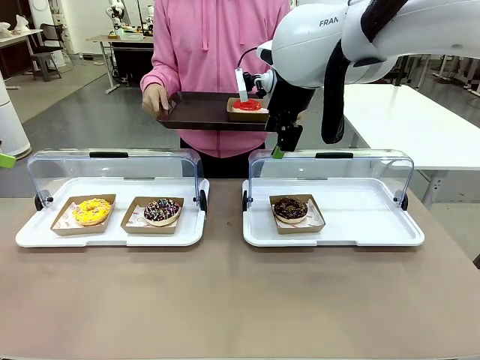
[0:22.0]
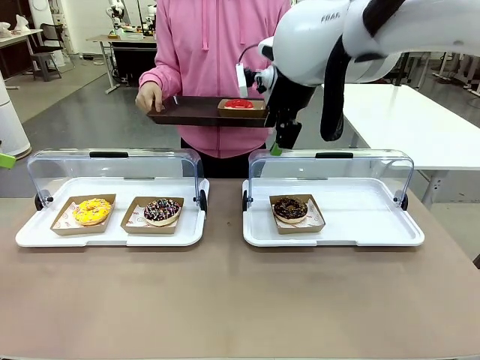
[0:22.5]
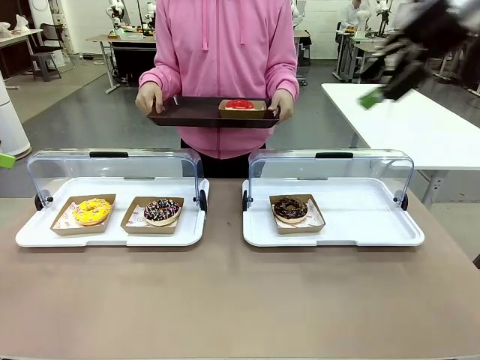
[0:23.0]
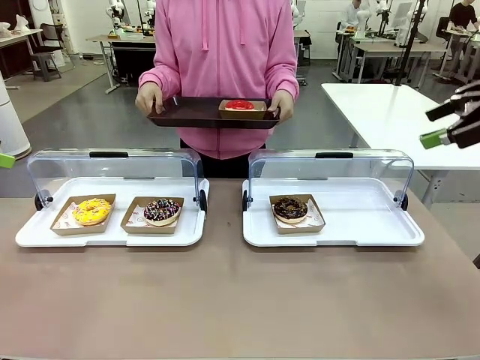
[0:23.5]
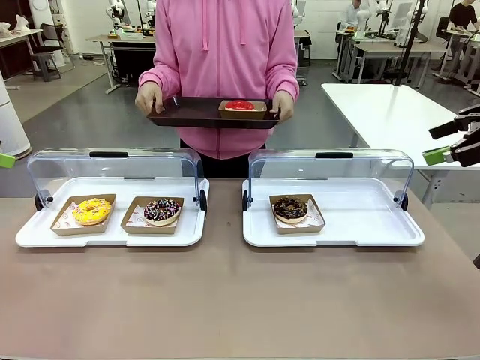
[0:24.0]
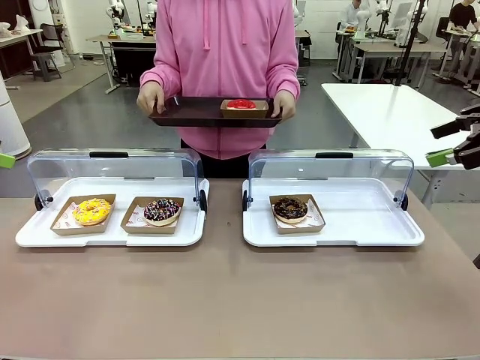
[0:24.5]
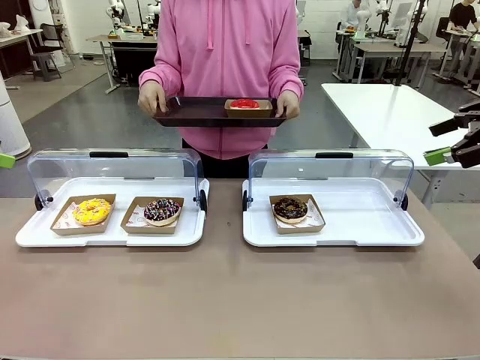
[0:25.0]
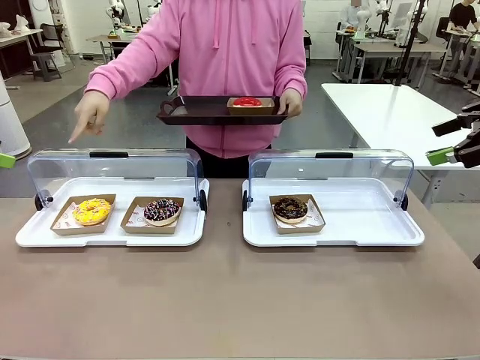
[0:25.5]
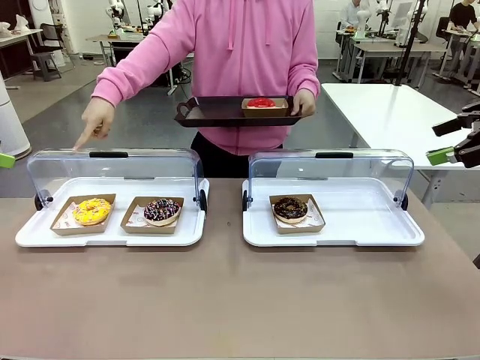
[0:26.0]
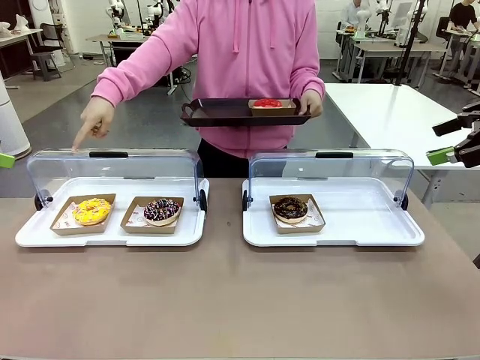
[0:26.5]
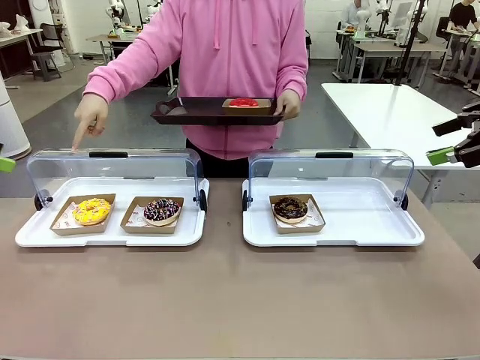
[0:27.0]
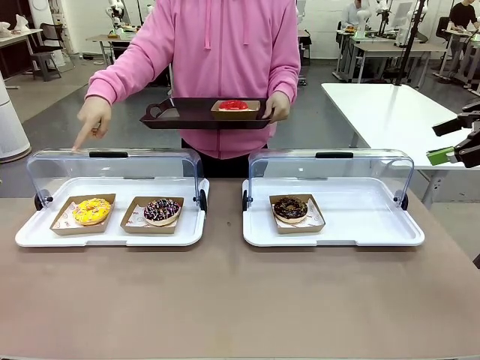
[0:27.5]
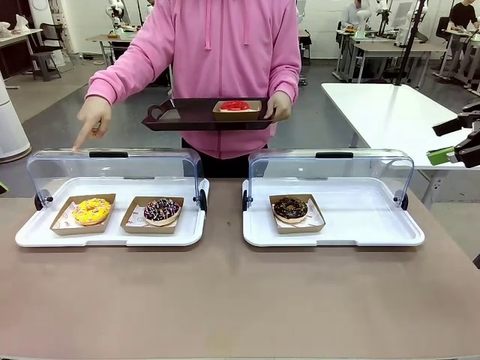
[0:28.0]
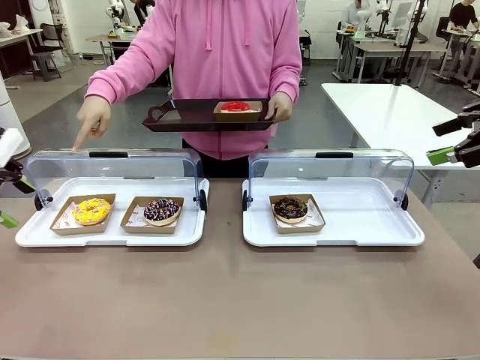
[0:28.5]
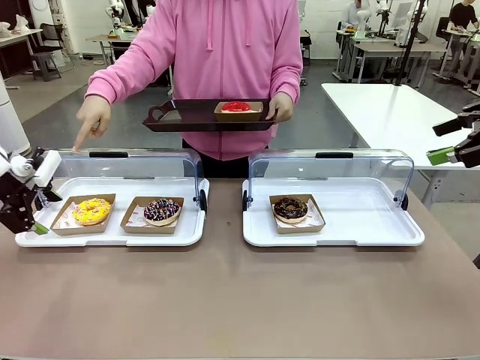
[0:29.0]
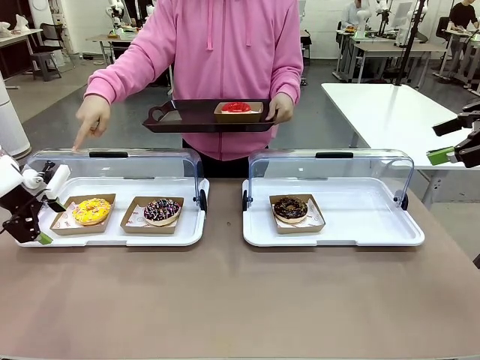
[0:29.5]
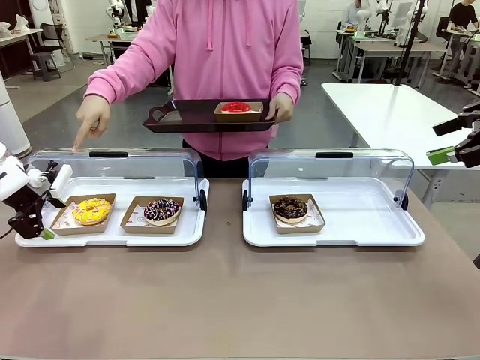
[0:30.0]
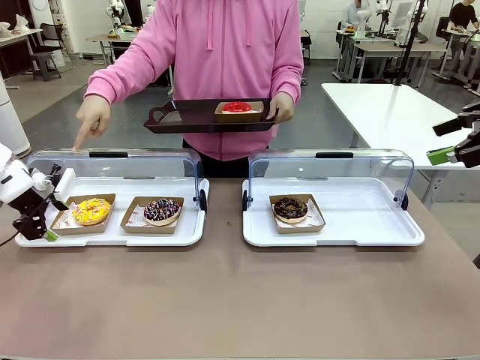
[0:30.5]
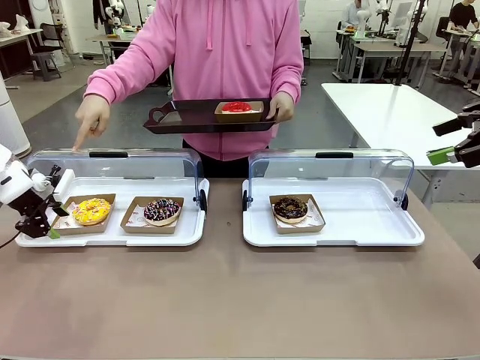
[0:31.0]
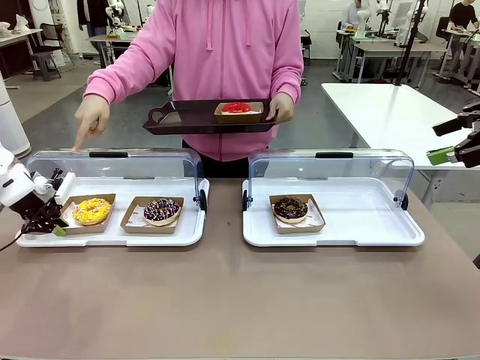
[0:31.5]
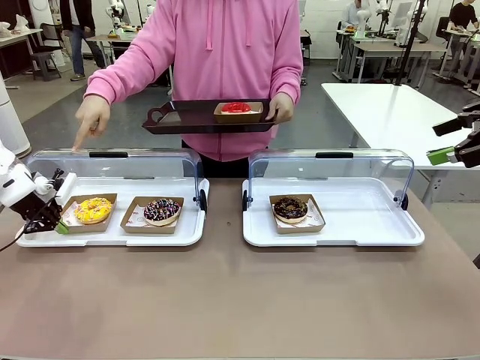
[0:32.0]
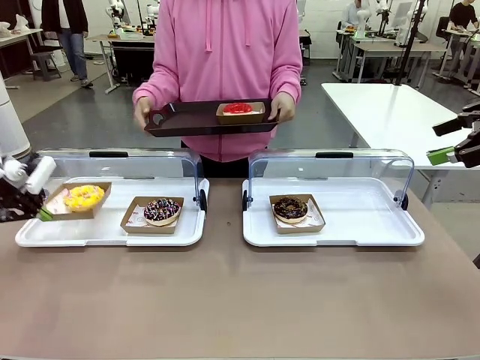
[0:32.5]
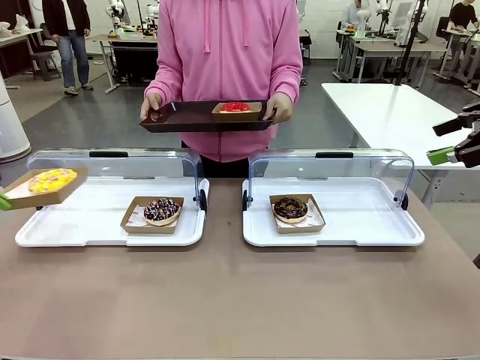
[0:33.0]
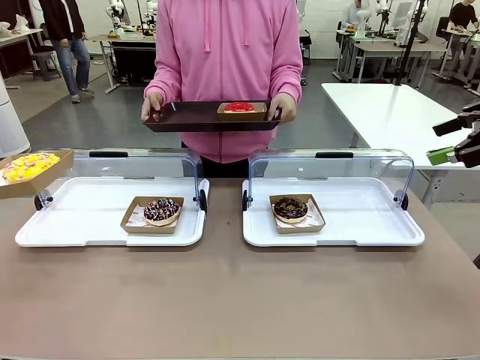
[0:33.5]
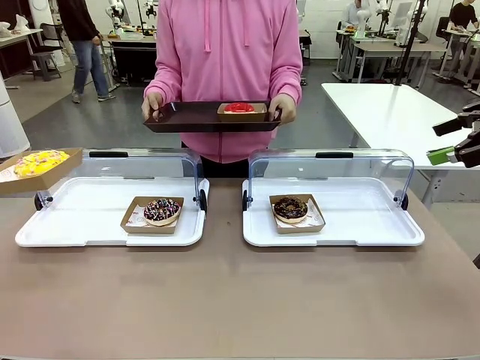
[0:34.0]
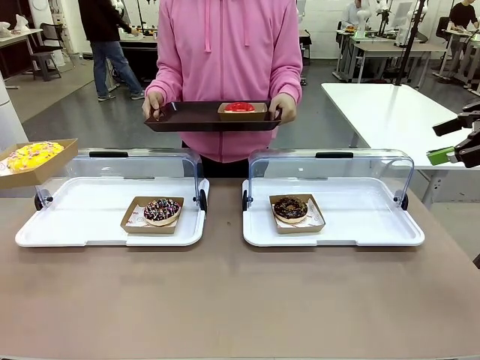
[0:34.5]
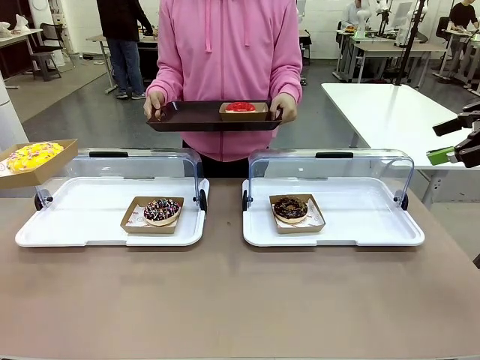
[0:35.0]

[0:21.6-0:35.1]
Task: Provide the desired donut to the person.
Robot: Pick up and lift the Paper togo box containing the Donut pointed at by the person.
Person: Lift the tray onto the Roll-Top Bakery Case.

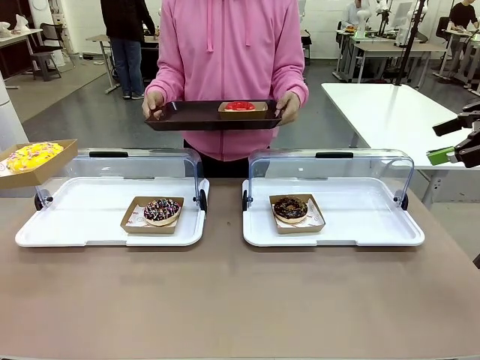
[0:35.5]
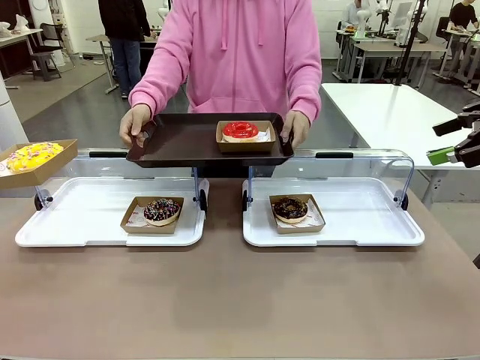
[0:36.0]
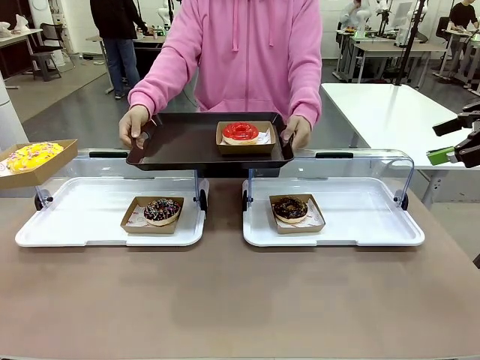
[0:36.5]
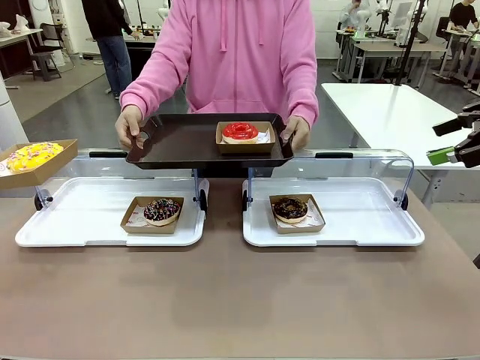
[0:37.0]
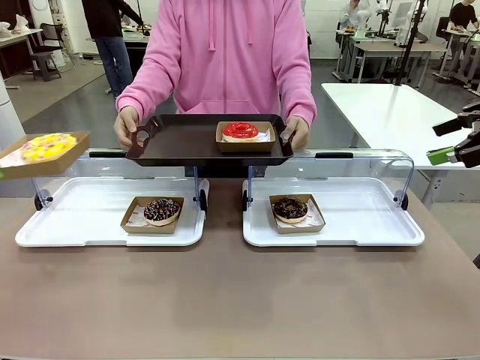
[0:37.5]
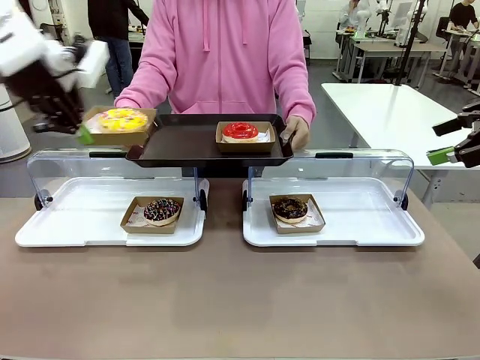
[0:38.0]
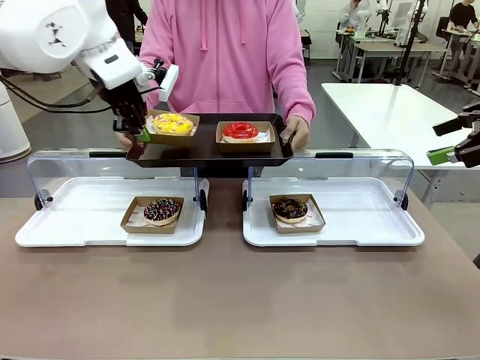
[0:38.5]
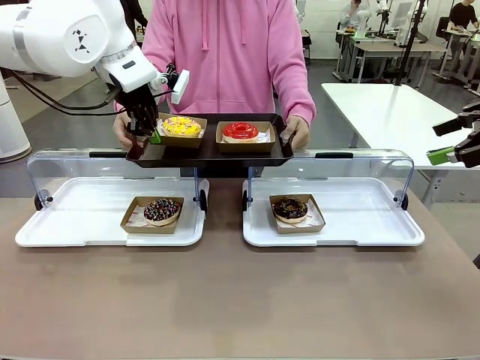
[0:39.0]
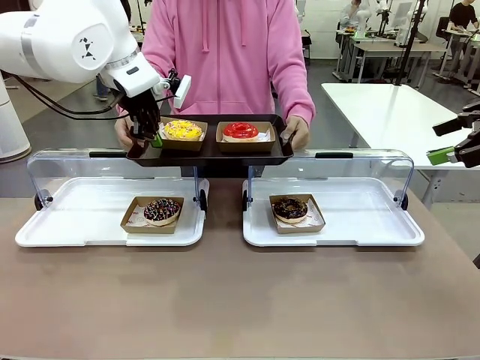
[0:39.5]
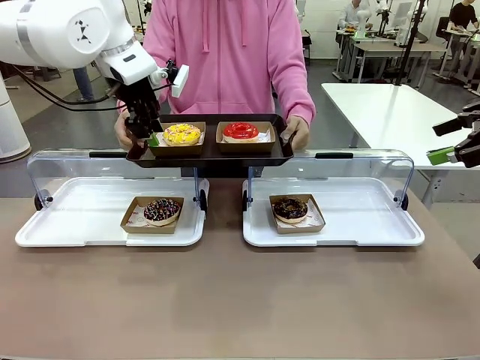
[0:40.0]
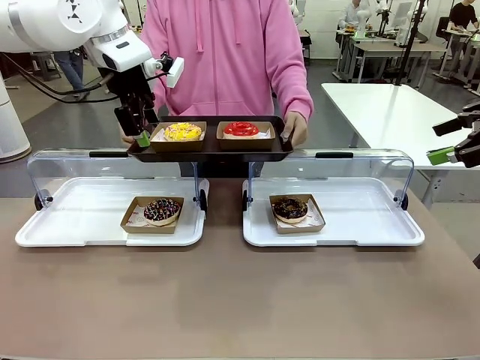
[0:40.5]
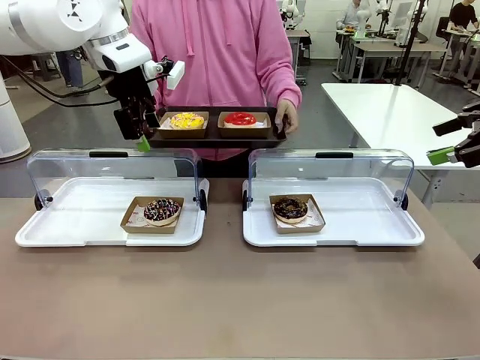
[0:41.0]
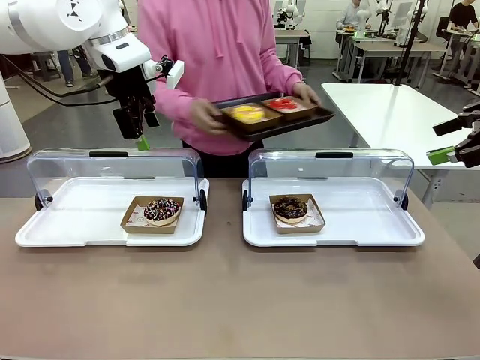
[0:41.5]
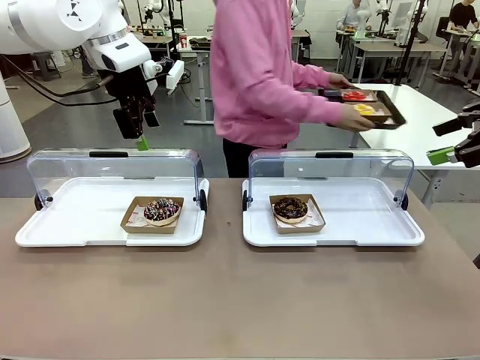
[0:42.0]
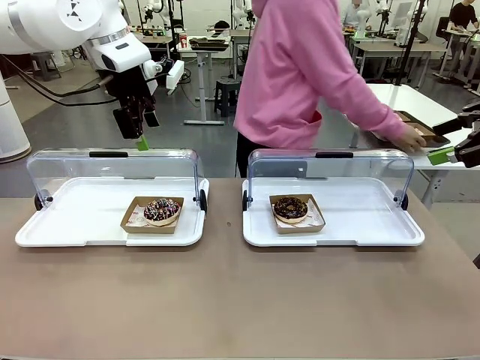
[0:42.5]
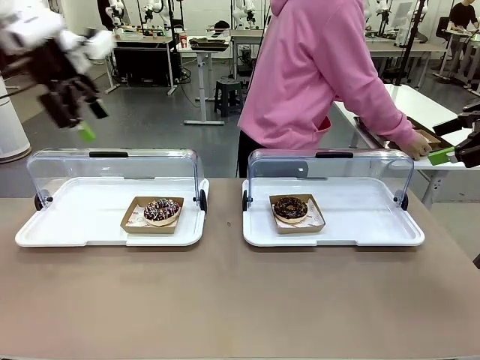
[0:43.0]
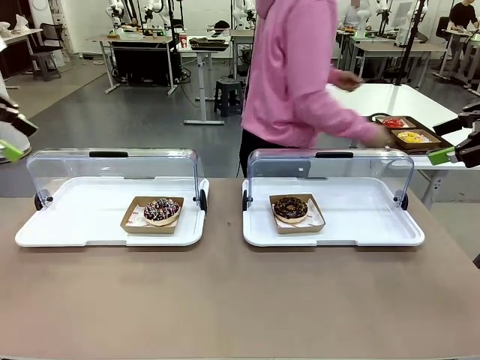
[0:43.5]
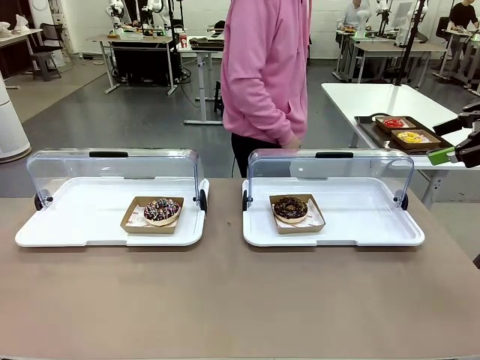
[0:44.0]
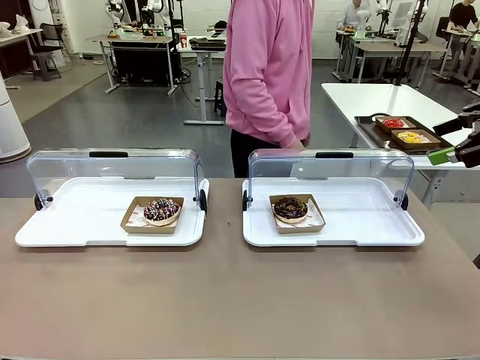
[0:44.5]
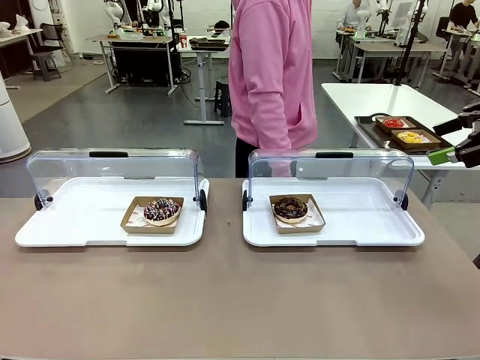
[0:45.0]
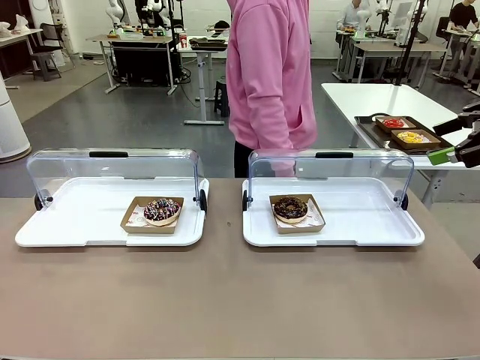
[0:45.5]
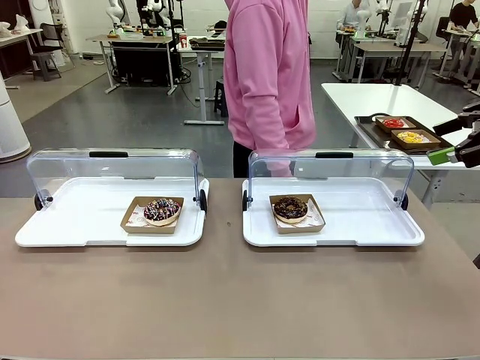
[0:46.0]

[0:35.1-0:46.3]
Robot: Place the picked Paper togo box onto the Handle tray extended by the person.
Person: Place the tray in the middle of the human table.
